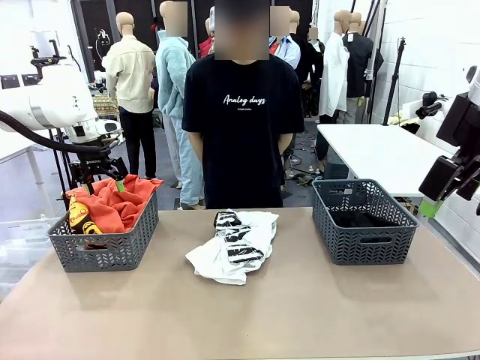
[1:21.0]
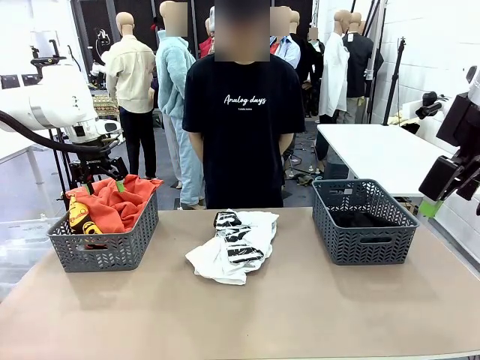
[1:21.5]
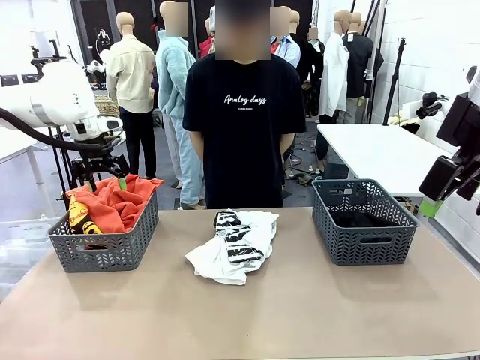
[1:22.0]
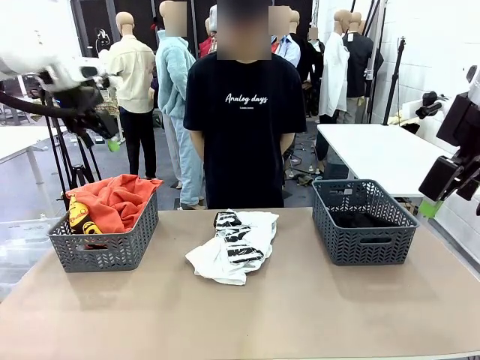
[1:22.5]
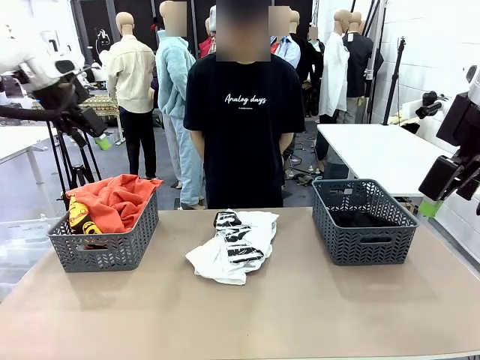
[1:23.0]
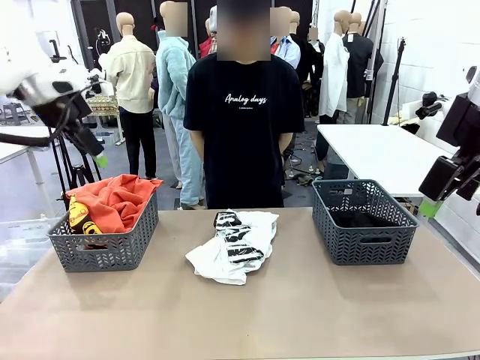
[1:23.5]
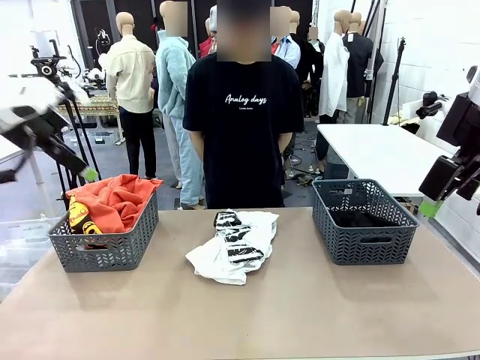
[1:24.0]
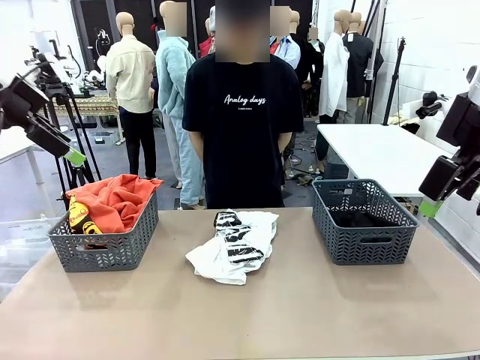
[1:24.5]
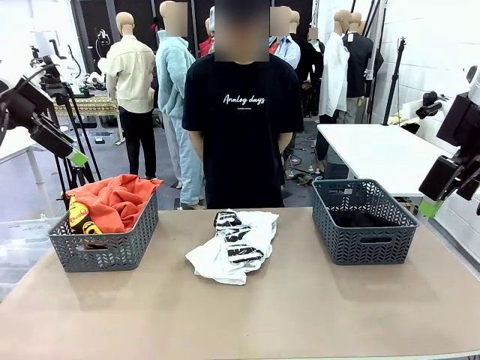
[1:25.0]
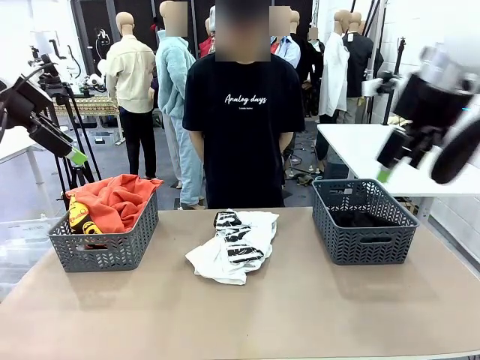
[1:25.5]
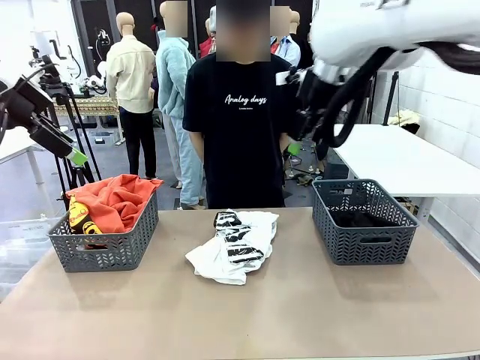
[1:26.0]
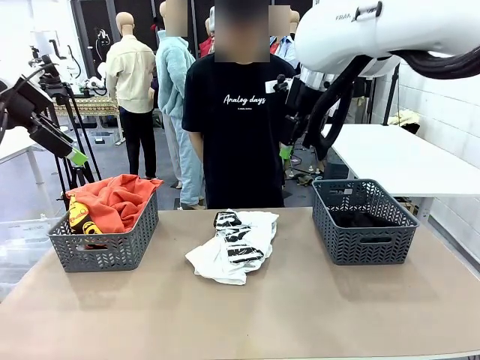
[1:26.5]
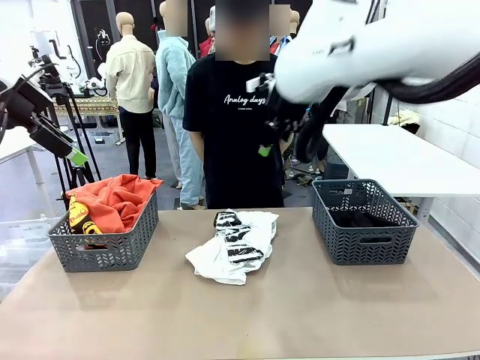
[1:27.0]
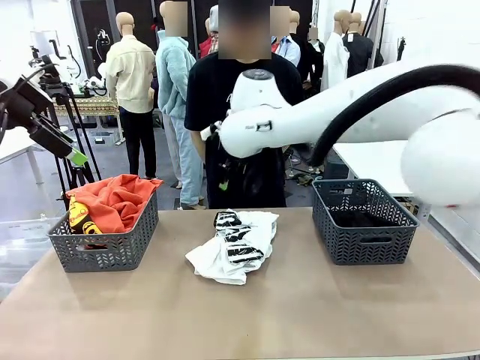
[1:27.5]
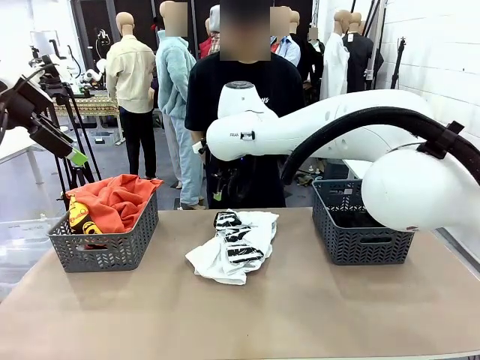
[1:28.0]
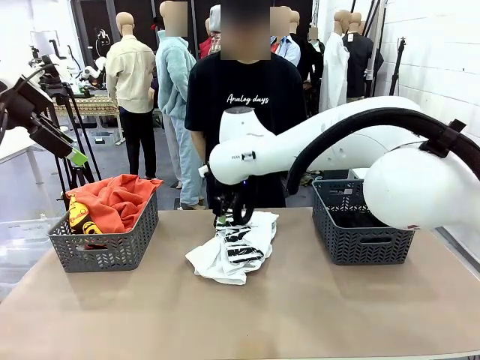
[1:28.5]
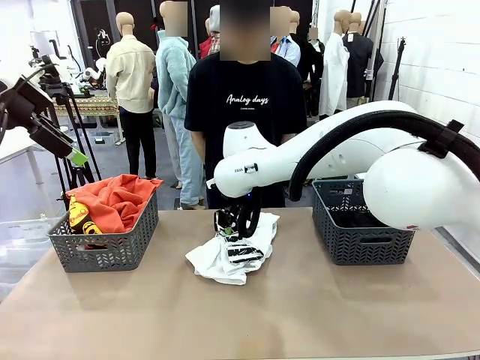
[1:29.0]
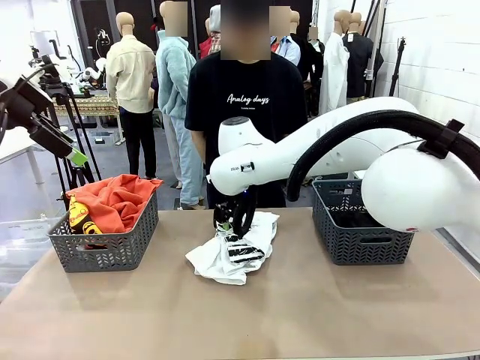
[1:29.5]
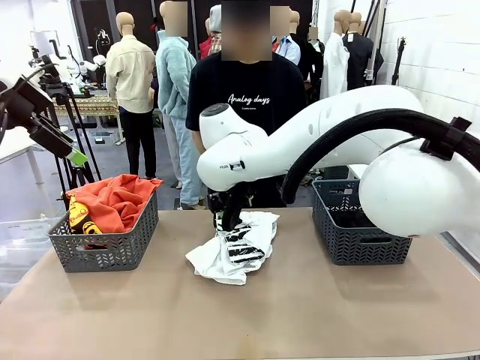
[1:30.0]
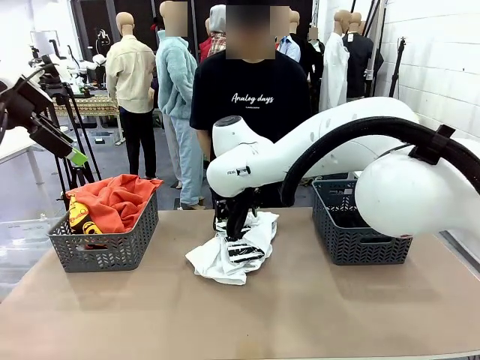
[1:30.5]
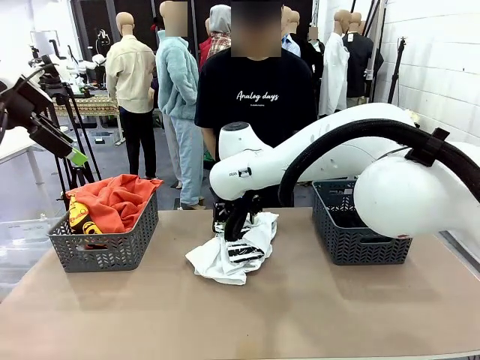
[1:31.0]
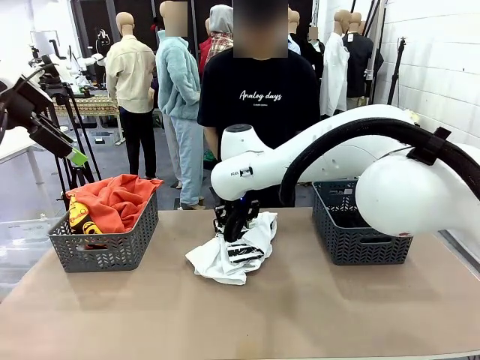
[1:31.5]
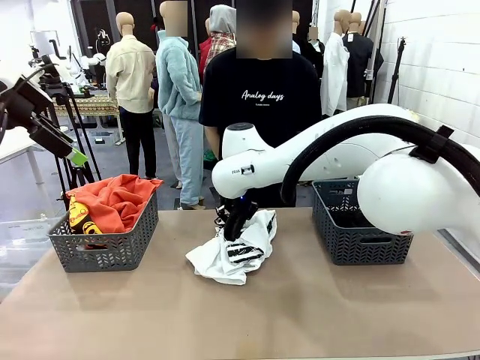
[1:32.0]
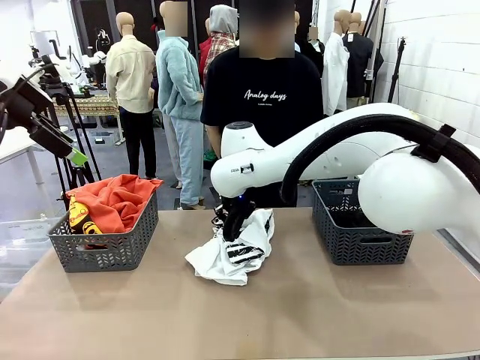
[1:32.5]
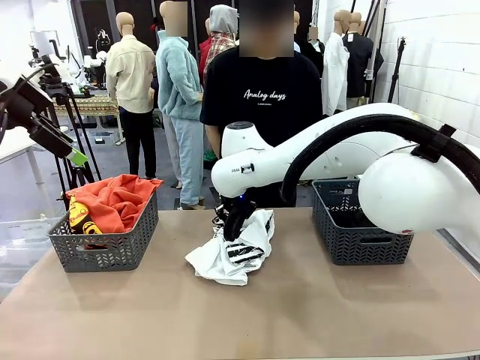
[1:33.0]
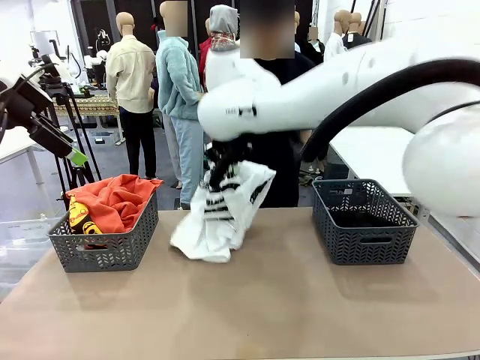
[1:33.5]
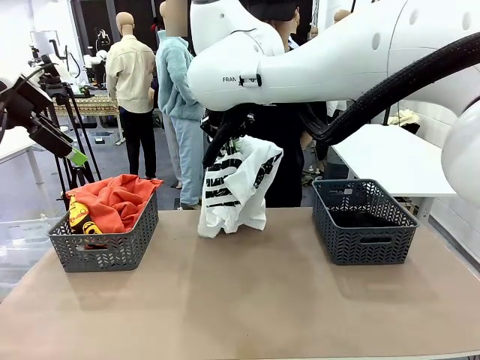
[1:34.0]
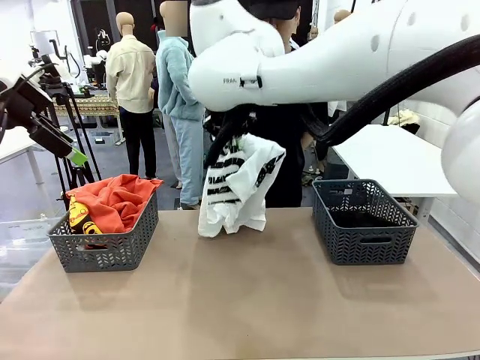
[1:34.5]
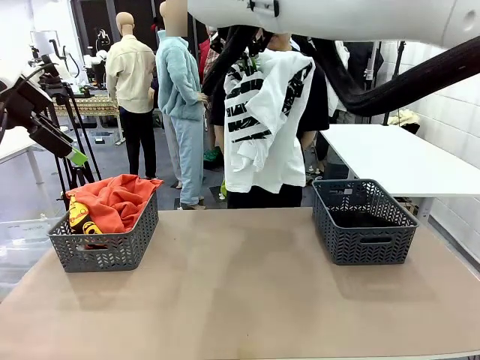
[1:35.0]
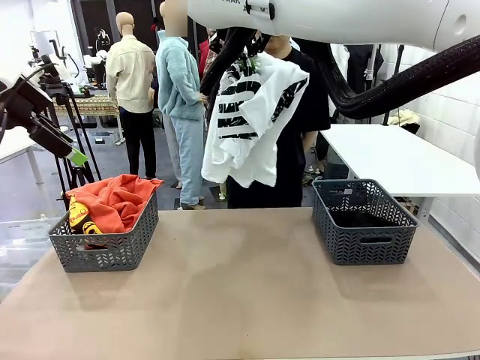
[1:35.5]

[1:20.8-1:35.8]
Task: Sort the tops and bottoms.
Robot: Lift clothes from the center of the table with your right hand.

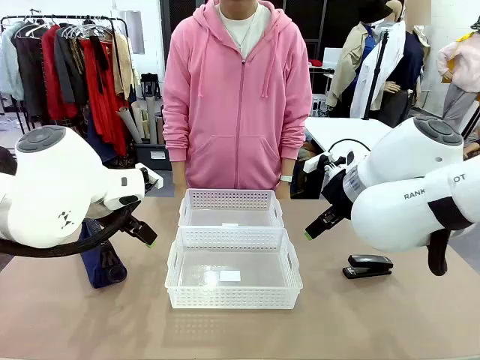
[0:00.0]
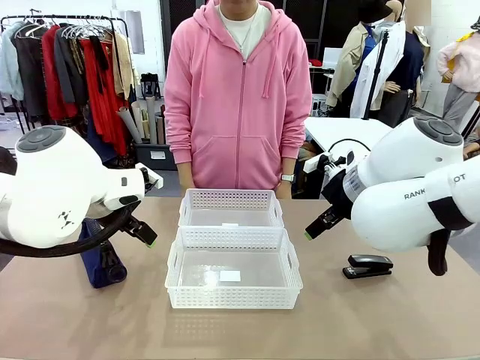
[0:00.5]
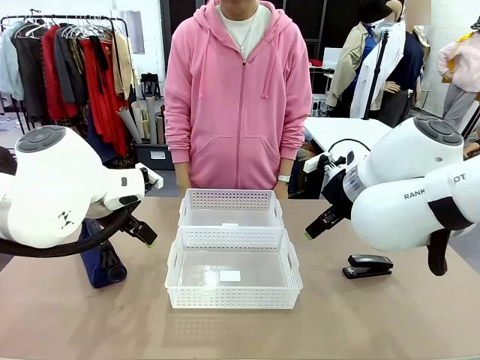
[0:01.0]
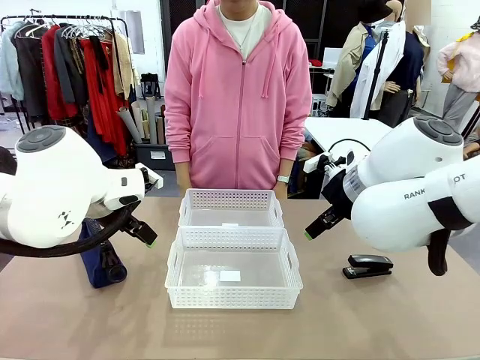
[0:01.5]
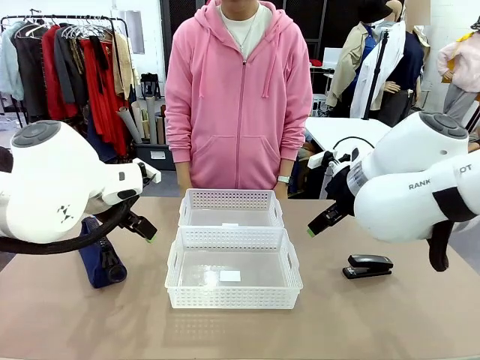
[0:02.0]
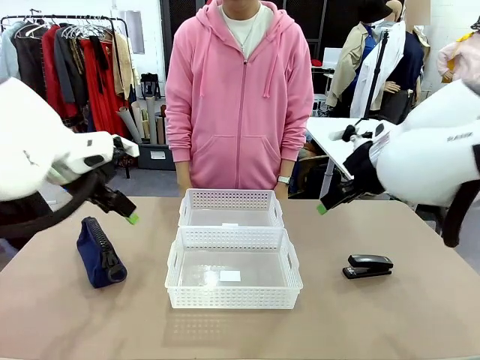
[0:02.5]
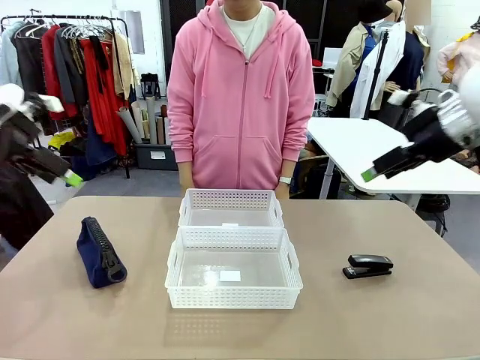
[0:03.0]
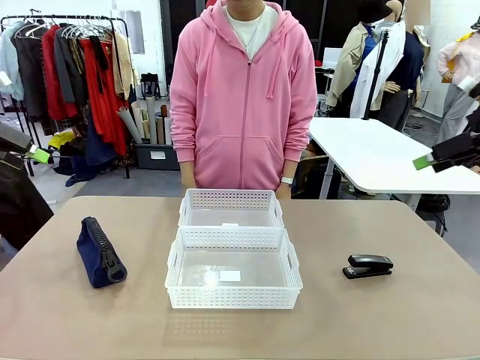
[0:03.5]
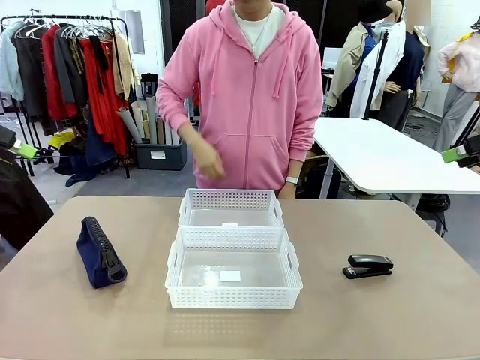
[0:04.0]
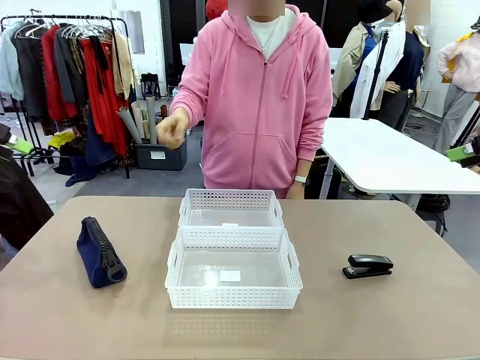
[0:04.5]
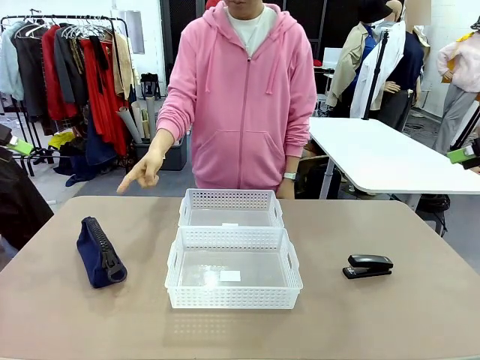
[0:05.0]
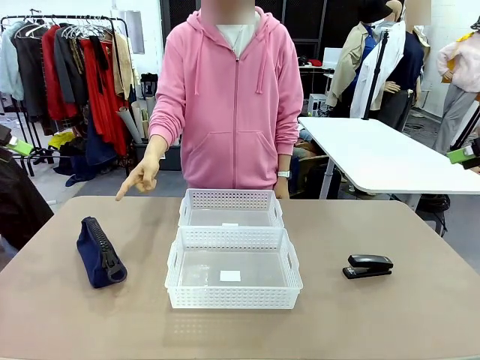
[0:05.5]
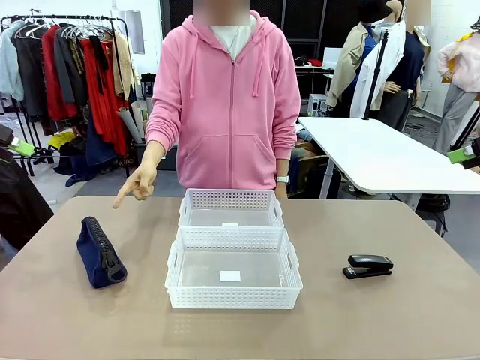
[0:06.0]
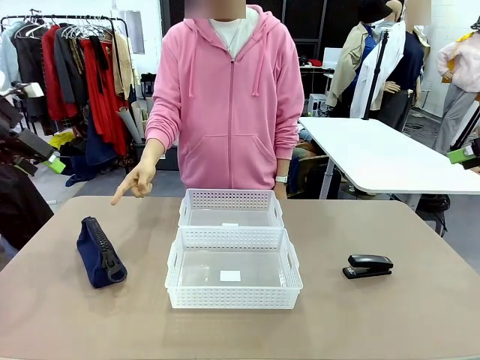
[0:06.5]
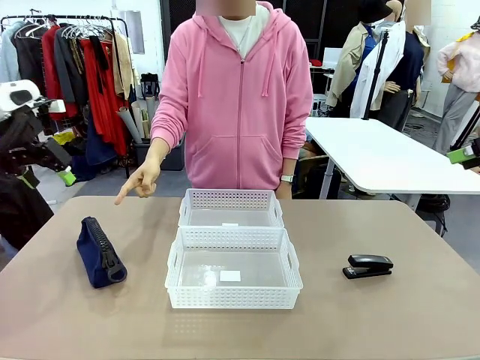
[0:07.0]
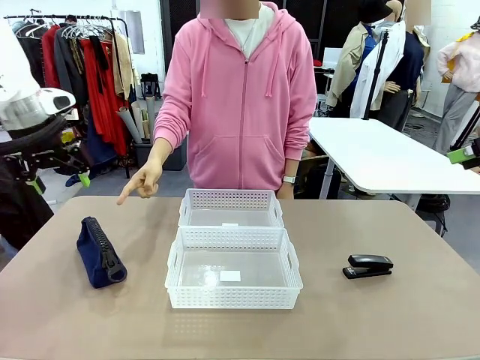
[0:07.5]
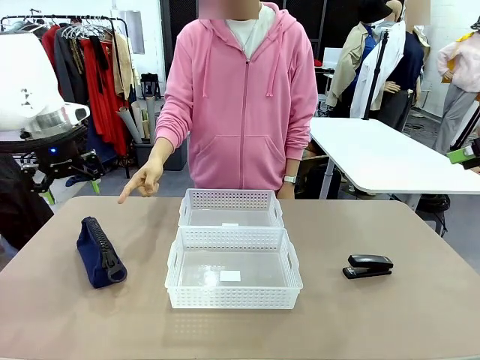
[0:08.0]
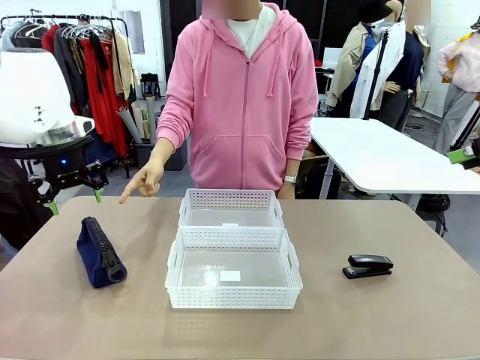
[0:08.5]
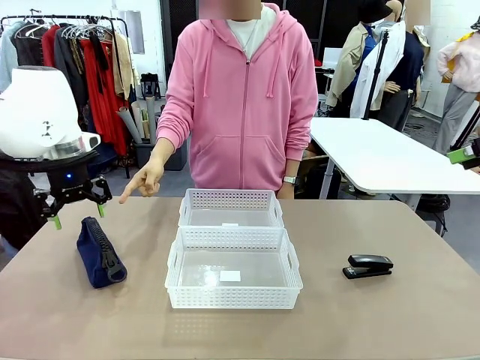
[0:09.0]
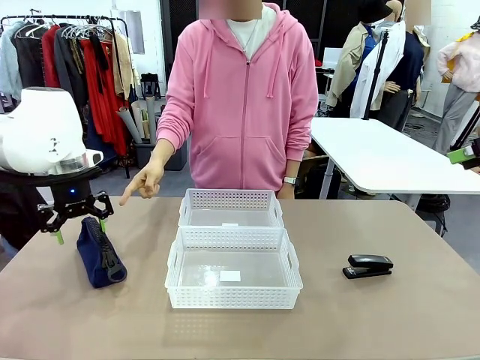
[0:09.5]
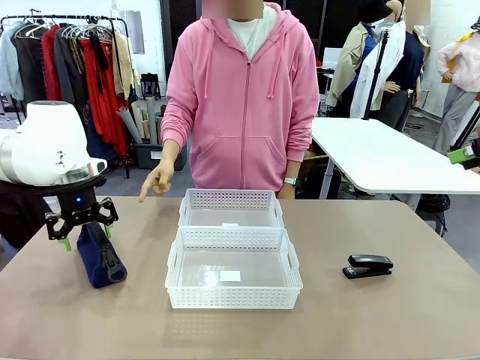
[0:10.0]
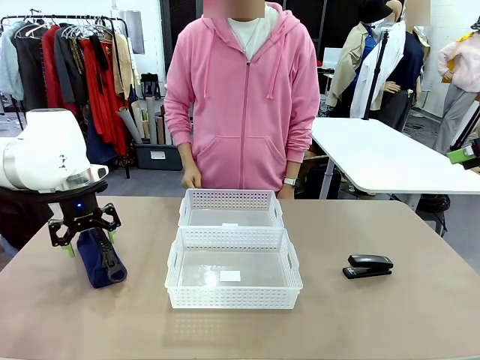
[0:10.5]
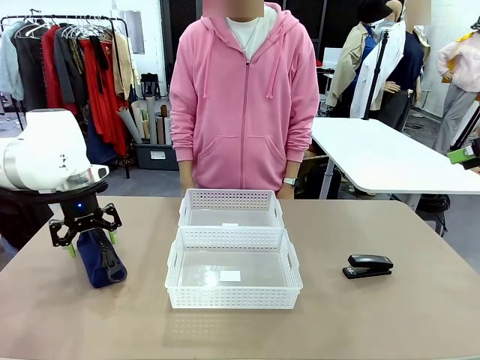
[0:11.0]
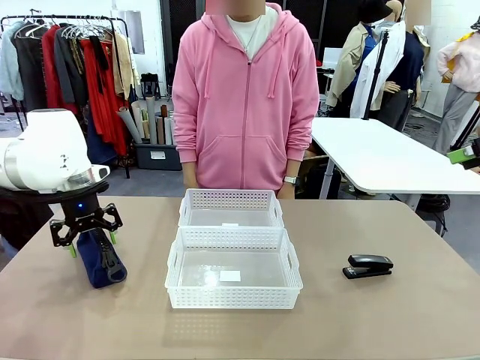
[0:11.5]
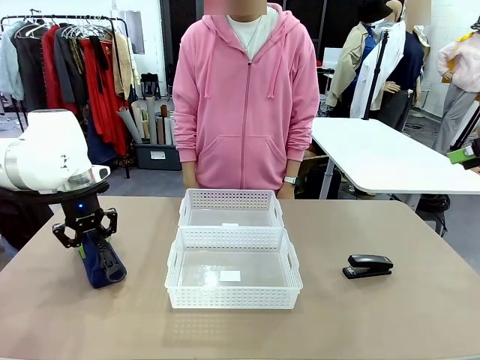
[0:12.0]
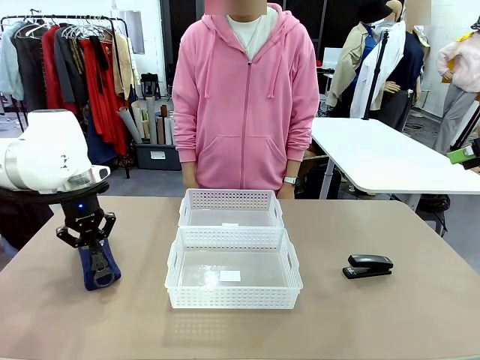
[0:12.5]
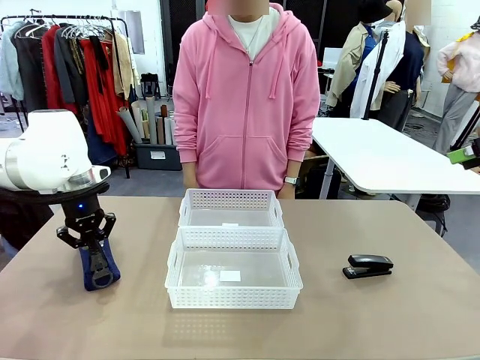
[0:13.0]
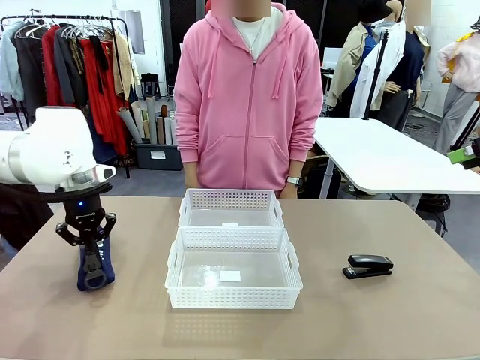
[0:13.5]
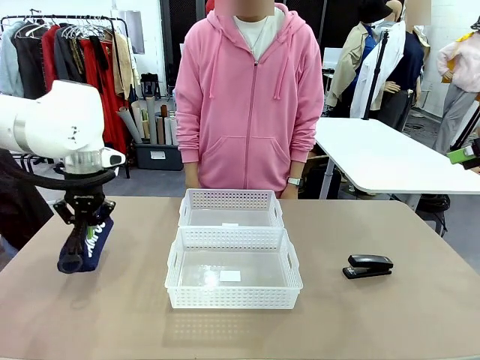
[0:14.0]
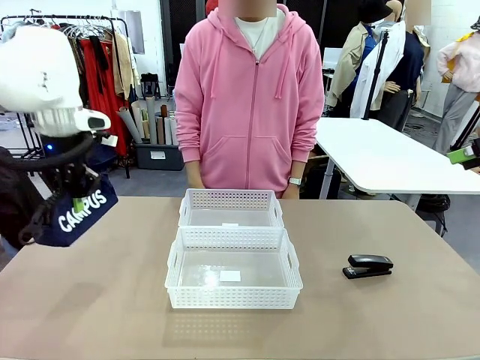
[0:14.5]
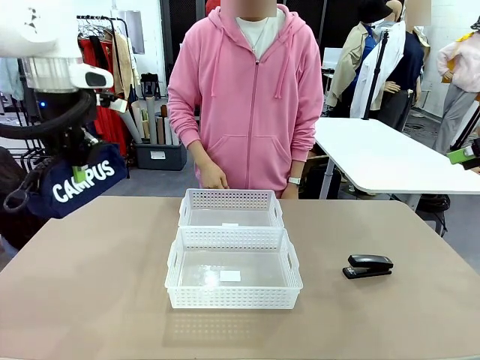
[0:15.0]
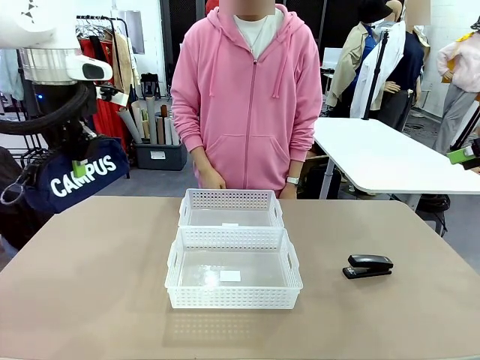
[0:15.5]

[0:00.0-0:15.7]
Task: Distribute items into two baskets.
Robot: Pick up the Pencil pouch that the person points to.
Person: Points to the pencil case. Points between the two organizing baskets and instructs the robot to move the pencil case.
